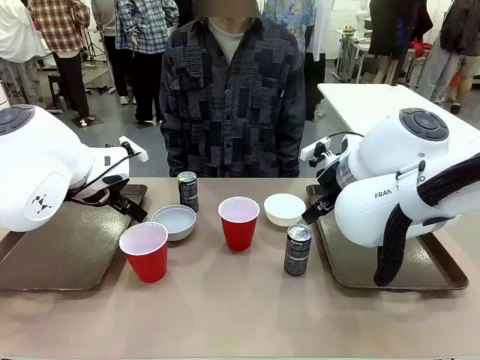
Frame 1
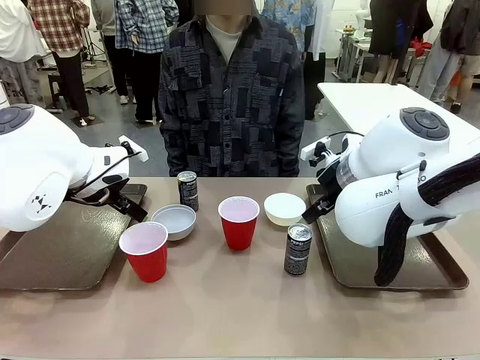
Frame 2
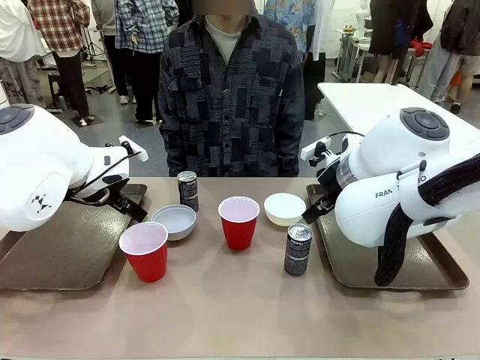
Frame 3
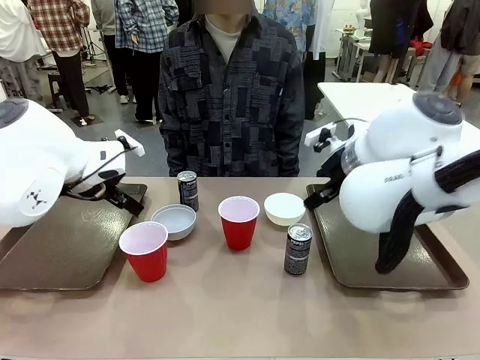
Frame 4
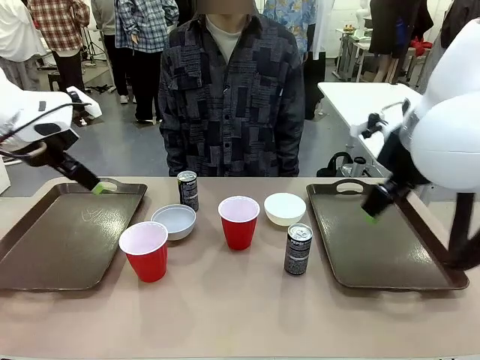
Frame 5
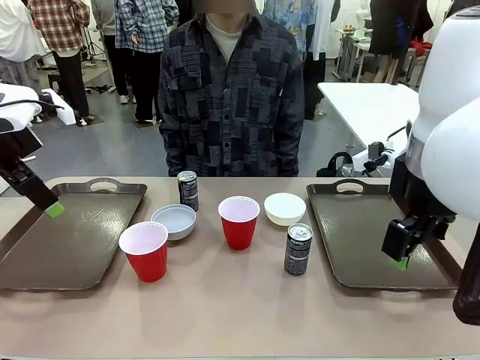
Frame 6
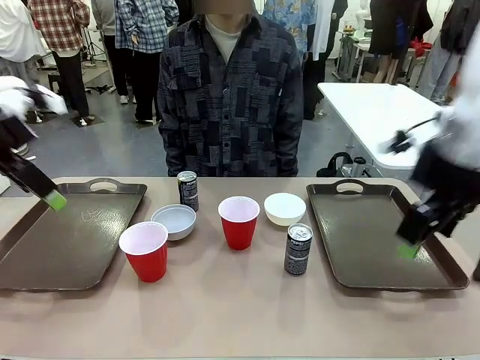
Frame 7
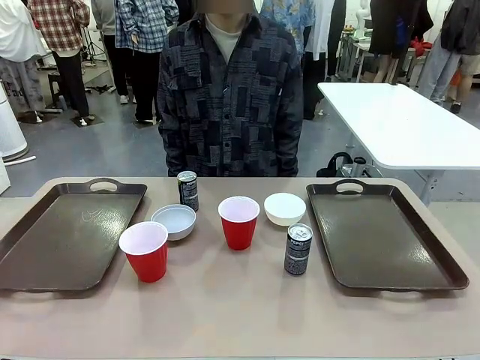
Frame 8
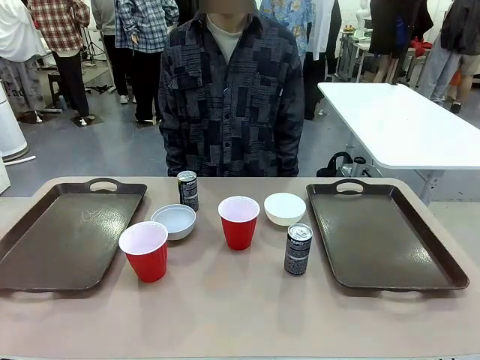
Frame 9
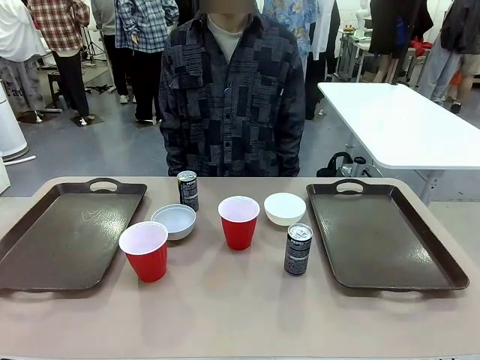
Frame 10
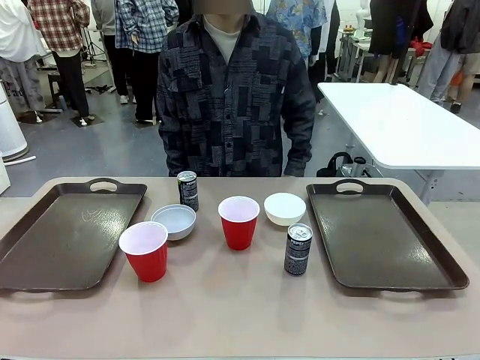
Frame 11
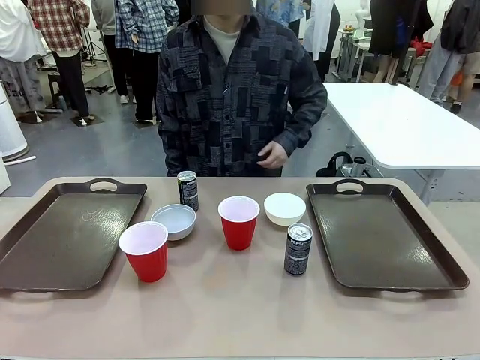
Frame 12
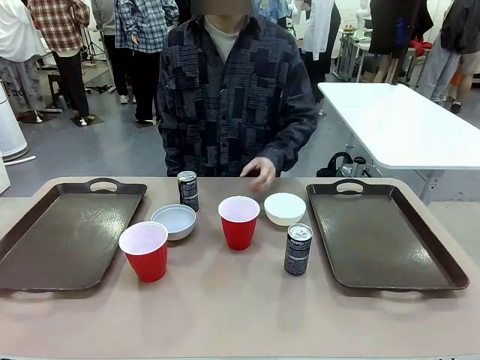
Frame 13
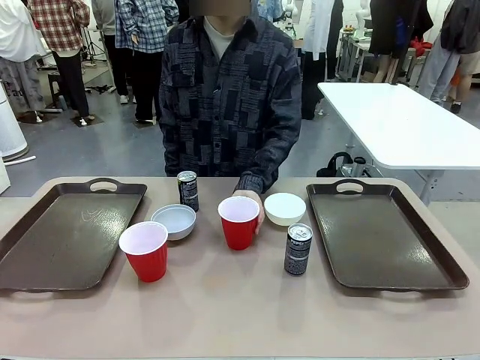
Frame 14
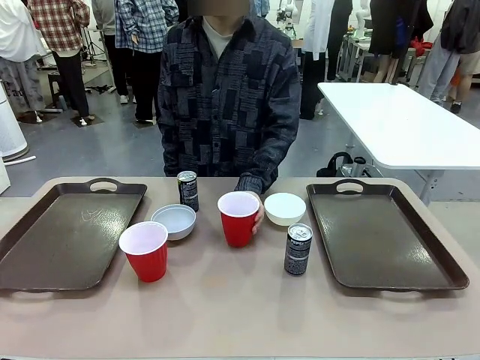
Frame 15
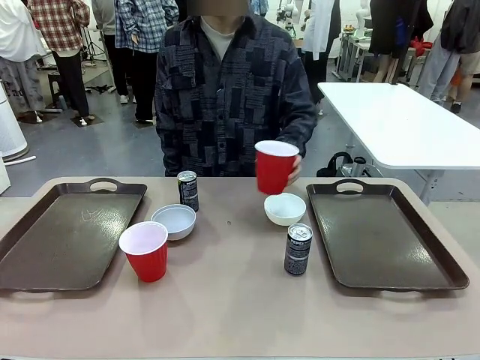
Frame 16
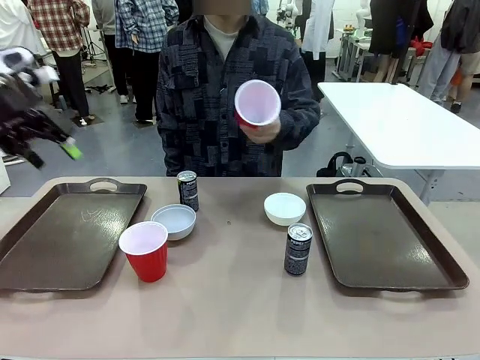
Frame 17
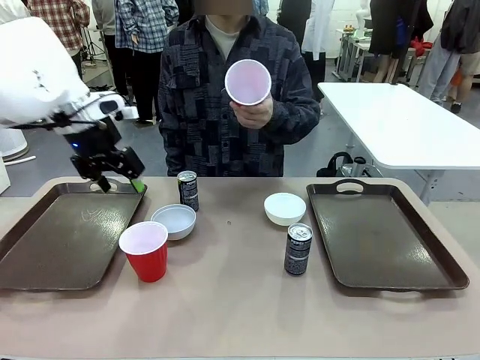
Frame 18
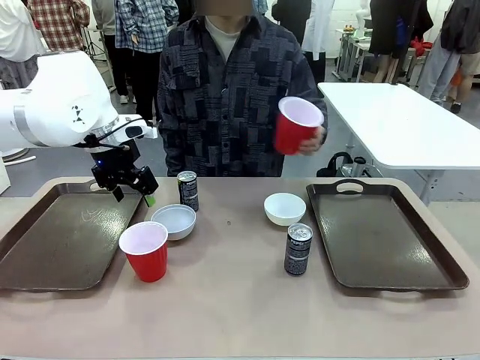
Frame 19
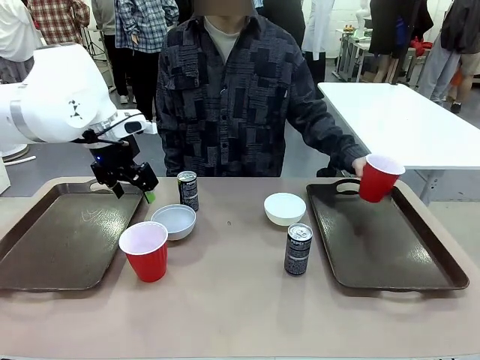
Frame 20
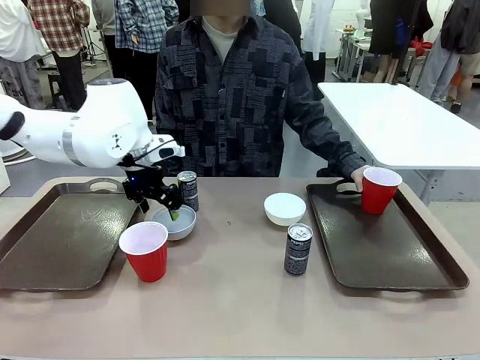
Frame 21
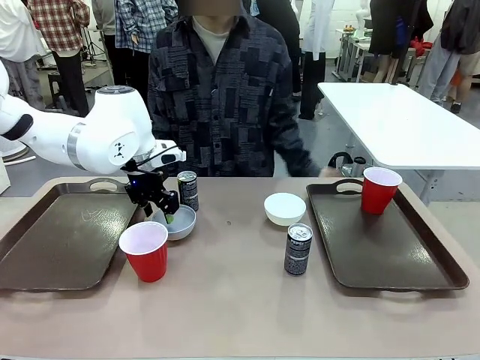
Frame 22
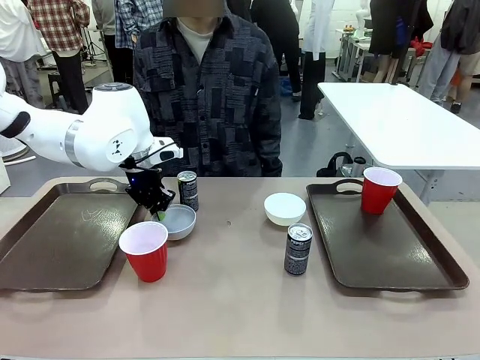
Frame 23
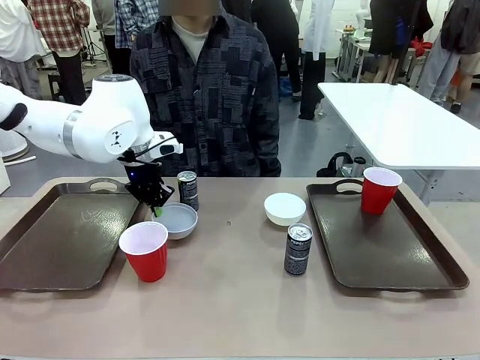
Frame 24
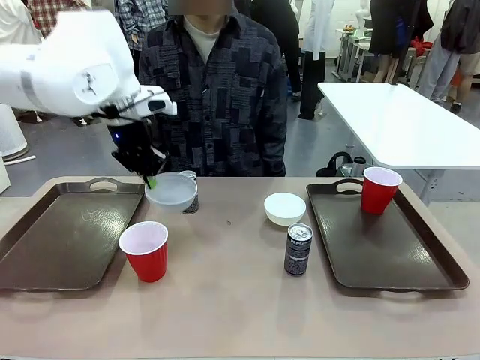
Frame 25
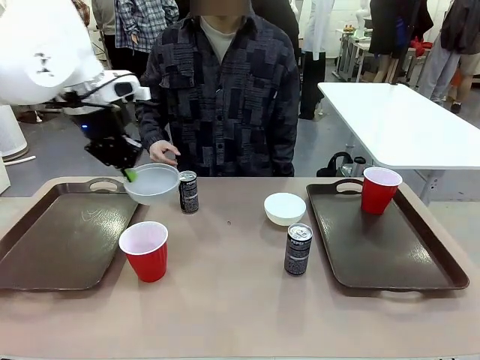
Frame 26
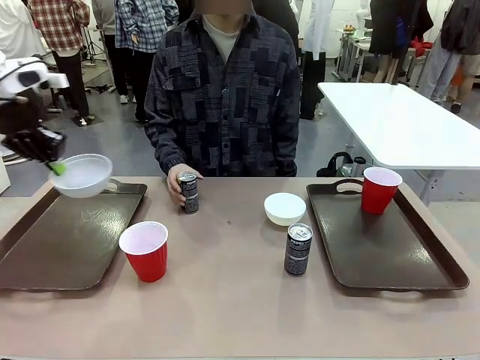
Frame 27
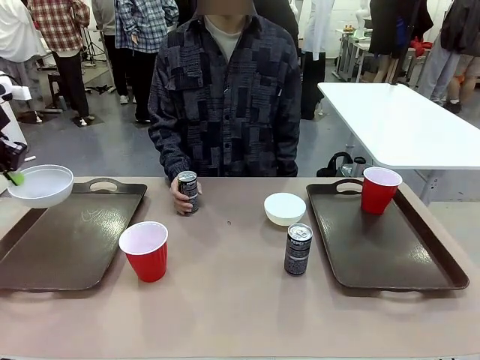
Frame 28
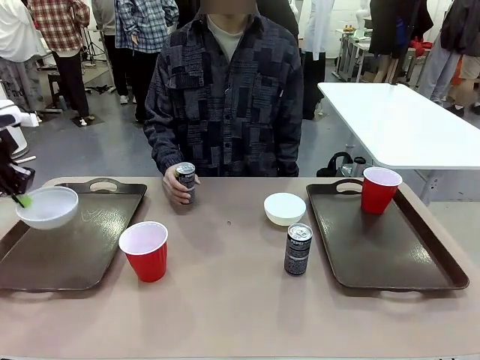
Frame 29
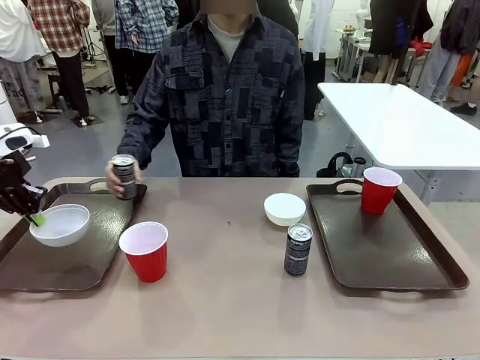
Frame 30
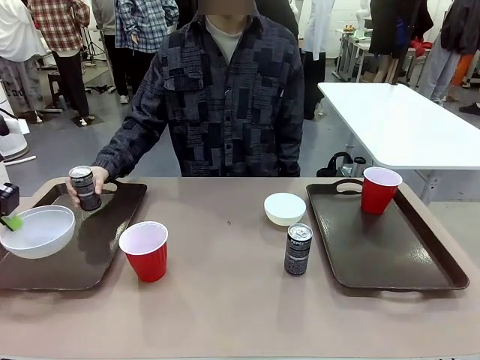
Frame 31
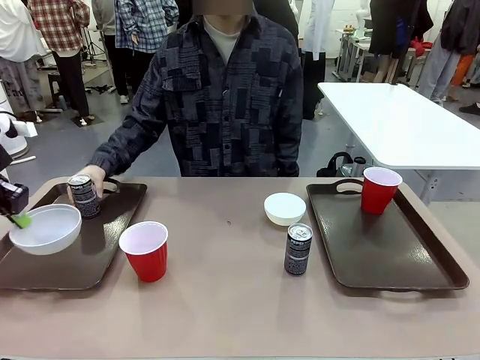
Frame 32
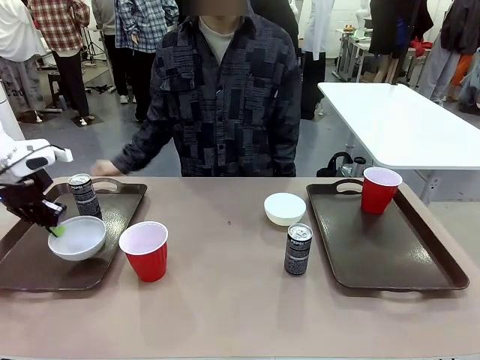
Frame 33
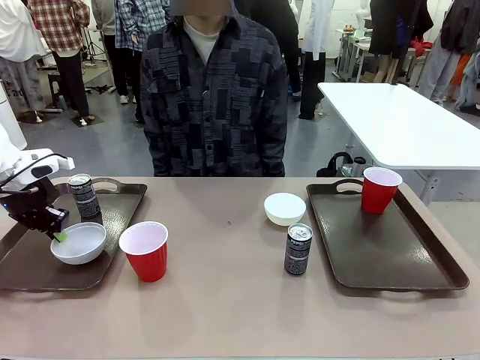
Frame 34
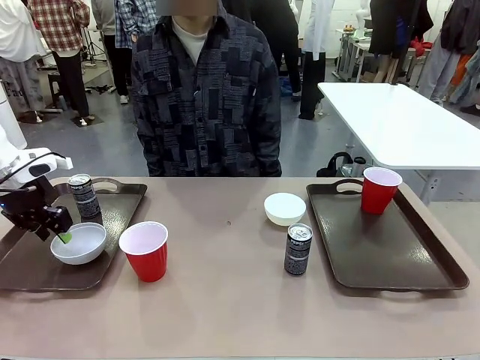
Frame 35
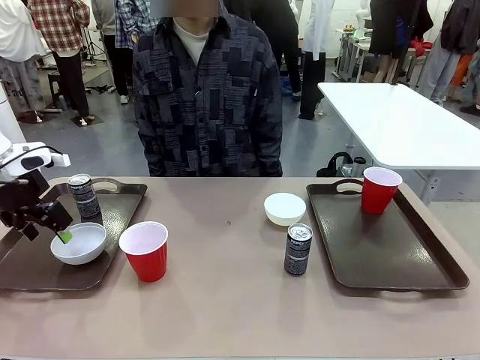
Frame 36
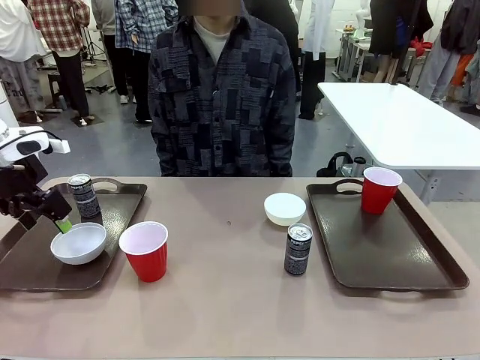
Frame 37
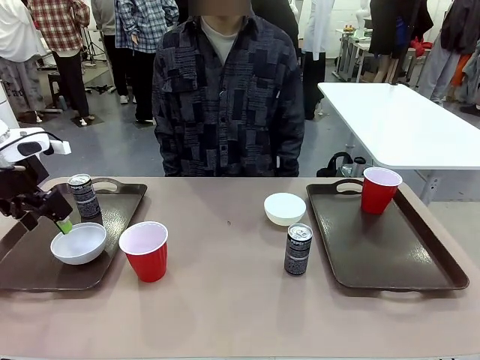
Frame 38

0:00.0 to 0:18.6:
Task: Prepare tableware on both trays.
Robot: Pick up a Picnic Bowl from the table and place it on a Handle tray.
Person: Pick up a can or cup and place it on the tray.
